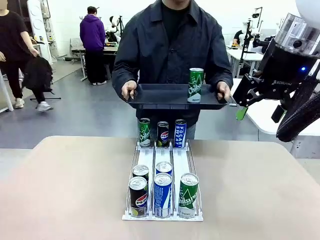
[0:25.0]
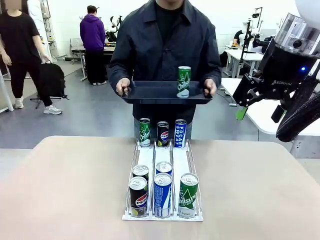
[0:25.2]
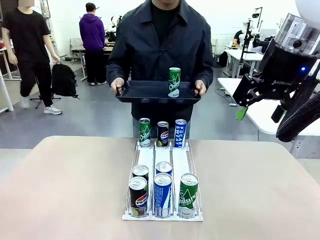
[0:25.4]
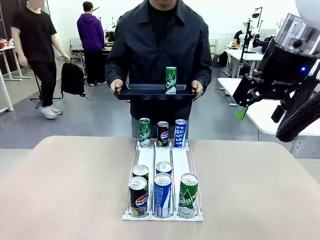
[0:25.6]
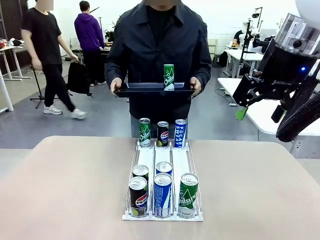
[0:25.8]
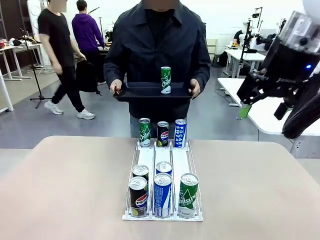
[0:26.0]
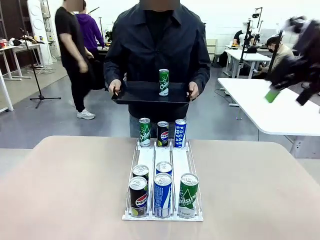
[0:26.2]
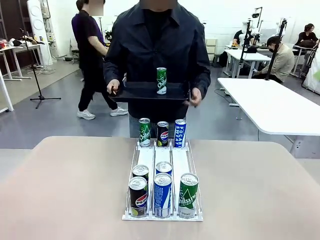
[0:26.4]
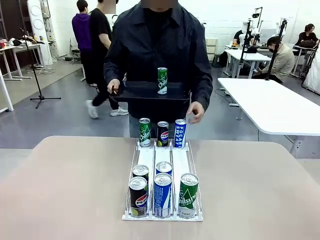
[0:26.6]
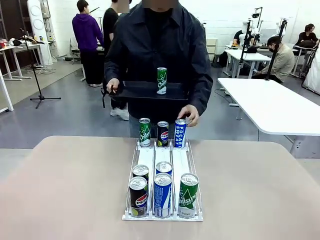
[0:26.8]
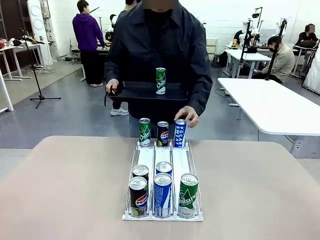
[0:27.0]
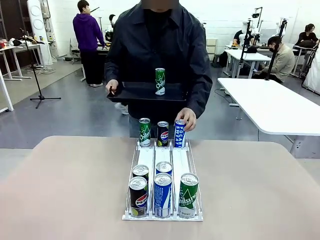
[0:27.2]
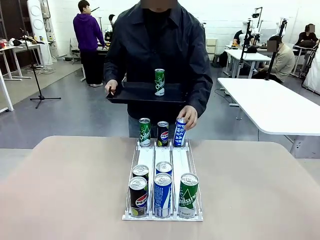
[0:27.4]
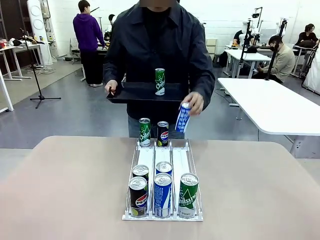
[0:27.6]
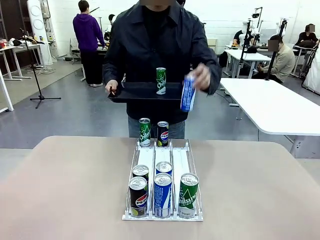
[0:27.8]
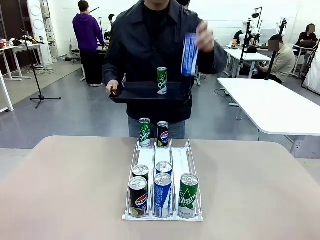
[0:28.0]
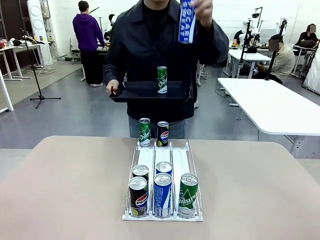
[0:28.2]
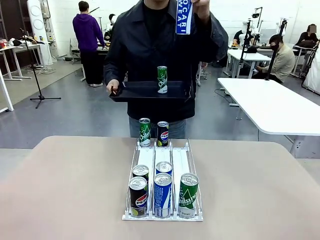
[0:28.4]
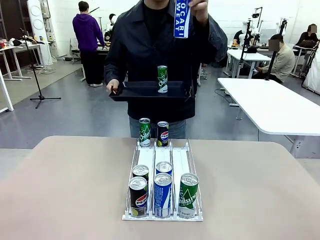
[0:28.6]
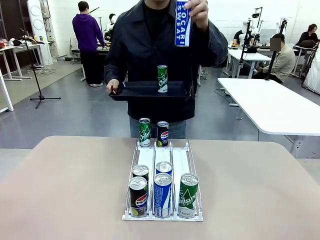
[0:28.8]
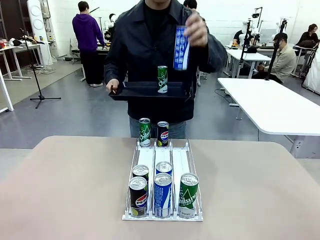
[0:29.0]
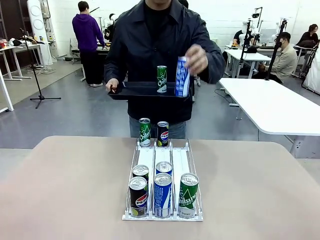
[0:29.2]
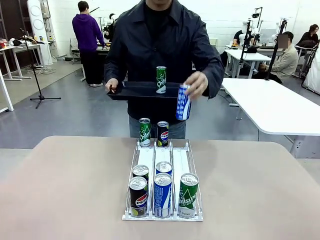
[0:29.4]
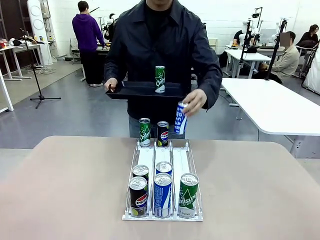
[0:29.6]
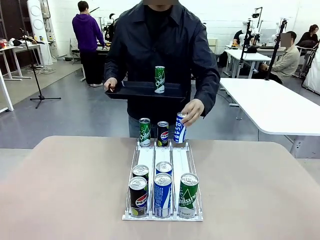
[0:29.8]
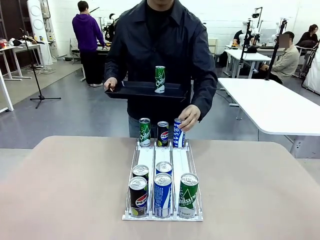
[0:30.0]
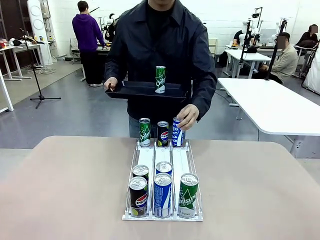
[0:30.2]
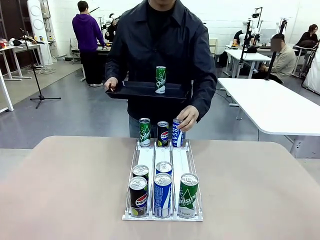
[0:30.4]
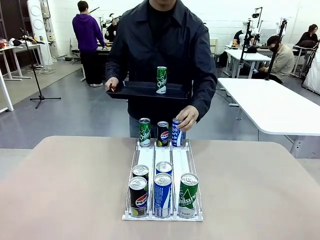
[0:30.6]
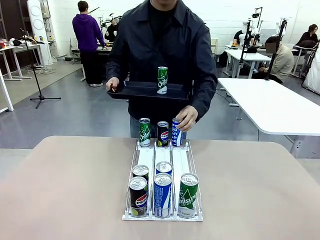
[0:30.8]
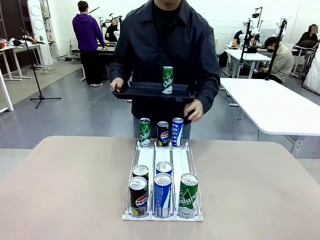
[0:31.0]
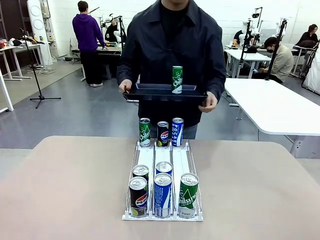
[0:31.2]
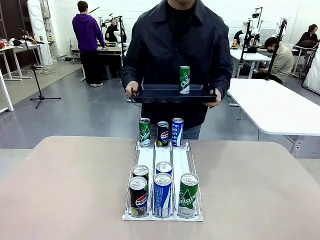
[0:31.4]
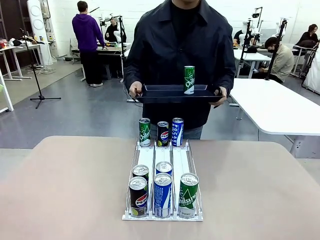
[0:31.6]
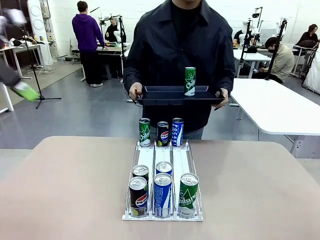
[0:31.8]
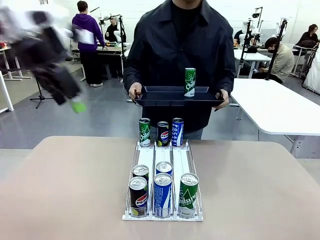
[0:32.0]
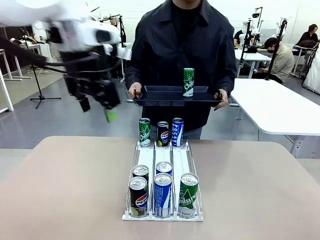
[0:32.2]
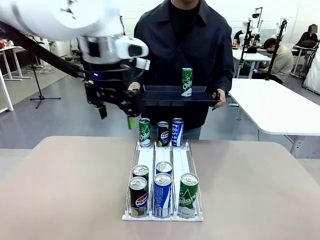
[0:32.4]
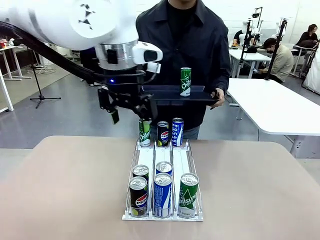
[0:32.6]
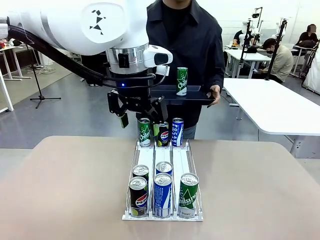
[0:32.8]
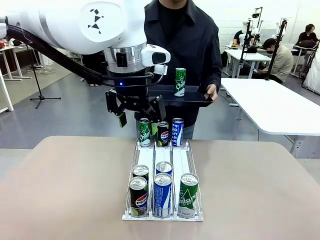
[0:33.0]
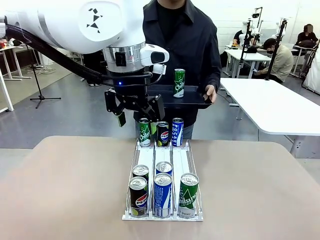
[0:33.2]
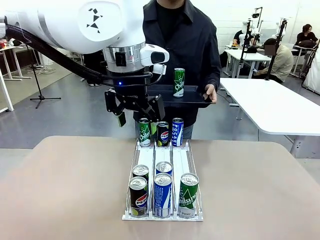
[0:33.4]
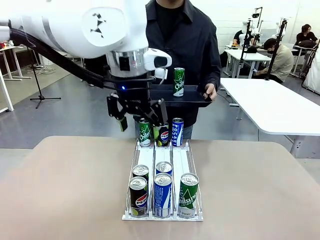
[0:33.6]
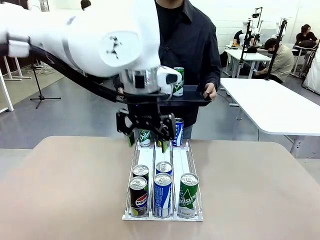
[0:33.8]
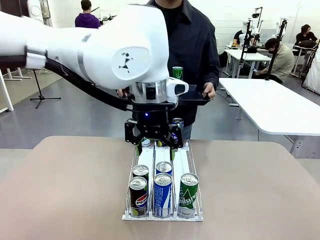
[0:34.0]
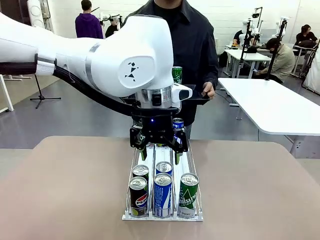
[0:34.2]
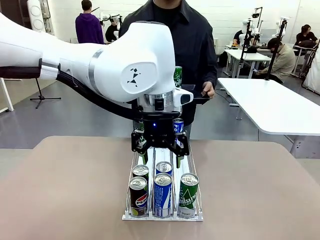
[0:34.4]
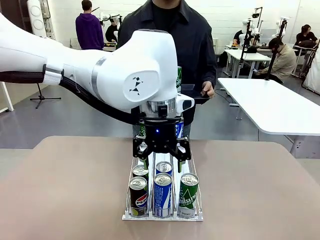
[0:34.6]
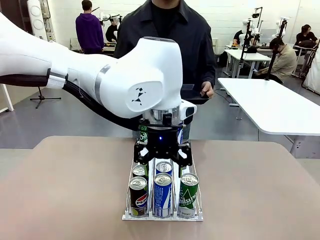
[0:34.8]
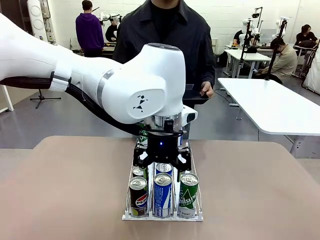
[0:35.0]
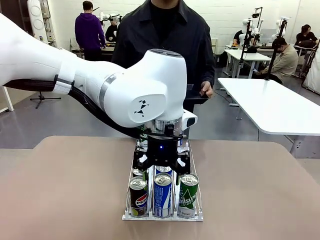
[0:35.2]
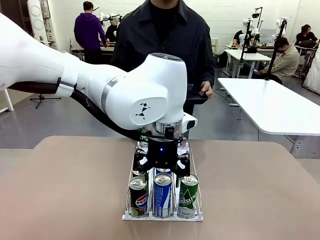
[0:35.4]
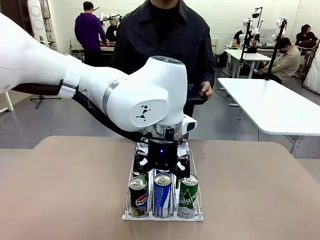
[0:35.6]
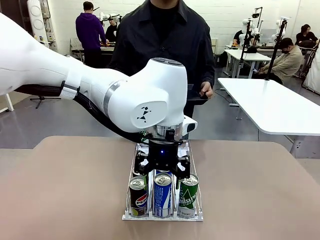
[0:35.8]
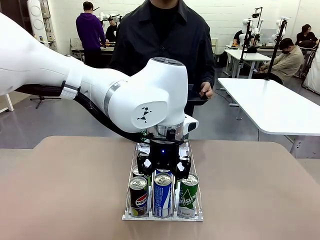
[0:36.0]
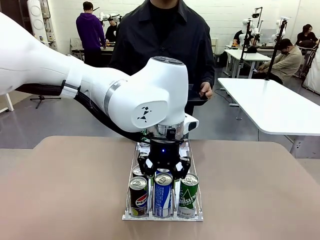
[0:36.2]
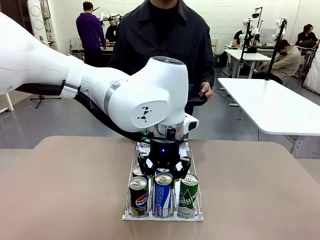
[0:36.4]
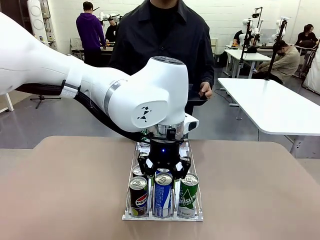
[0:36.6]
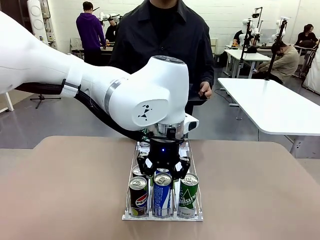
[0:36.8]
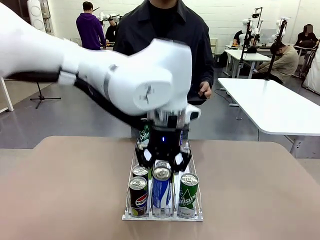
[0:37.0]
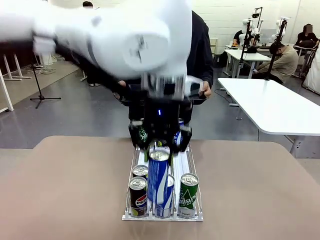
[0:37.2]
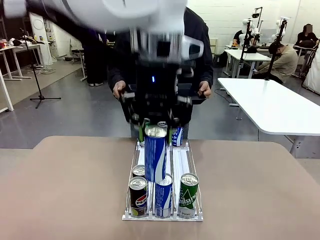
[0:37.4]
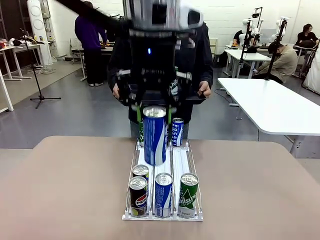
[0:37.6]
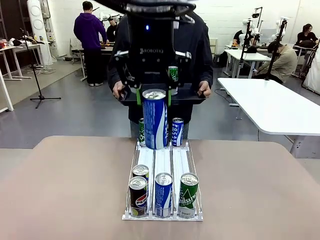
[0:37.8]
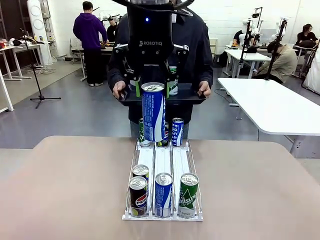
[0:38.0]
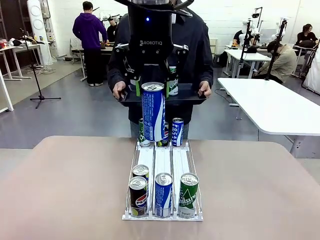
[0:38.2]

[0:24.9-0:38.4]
Task: Retrieve and hand over the desired beverage to the person.
Robot: Pick up another can of the same type that the person held from the Automatic Can Dispenser.
Person: Pull the tray back, then pick up another can from the bottom area of the table and puts it back in its original place. Push the tray toward the robot again.

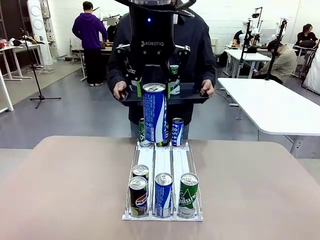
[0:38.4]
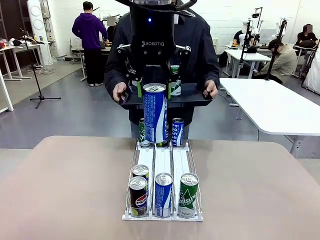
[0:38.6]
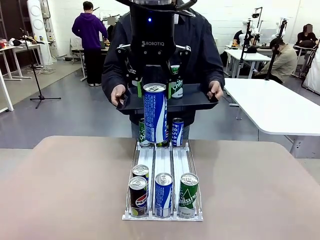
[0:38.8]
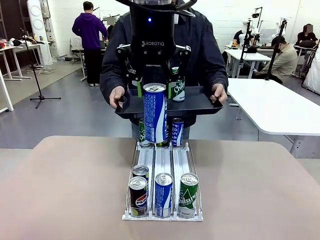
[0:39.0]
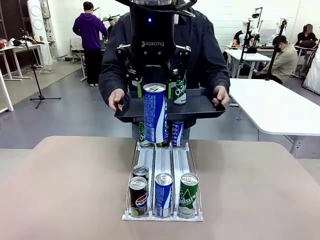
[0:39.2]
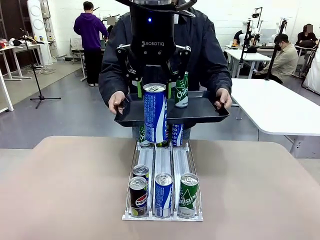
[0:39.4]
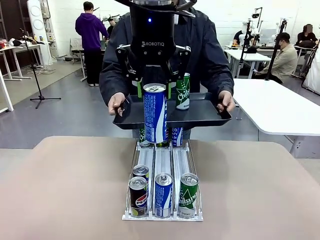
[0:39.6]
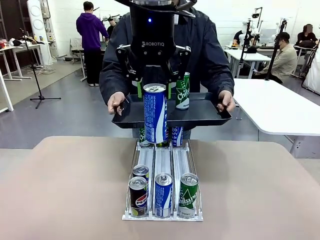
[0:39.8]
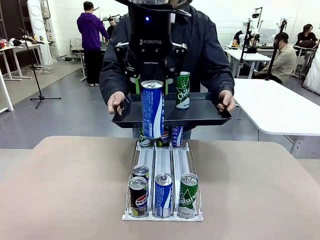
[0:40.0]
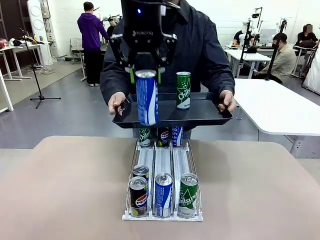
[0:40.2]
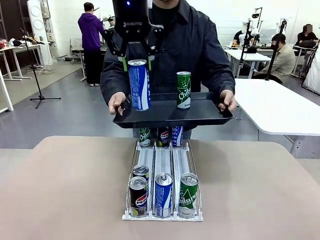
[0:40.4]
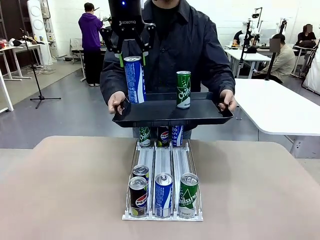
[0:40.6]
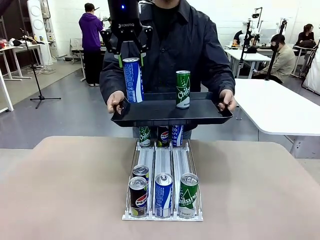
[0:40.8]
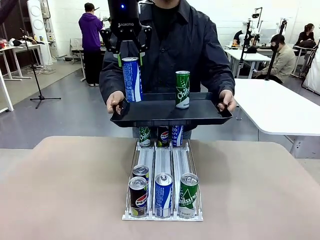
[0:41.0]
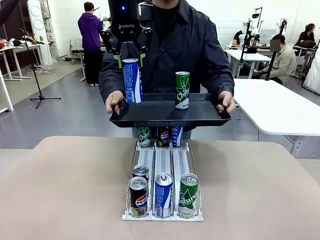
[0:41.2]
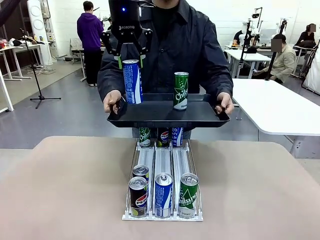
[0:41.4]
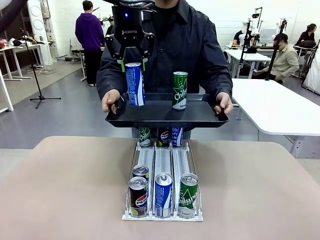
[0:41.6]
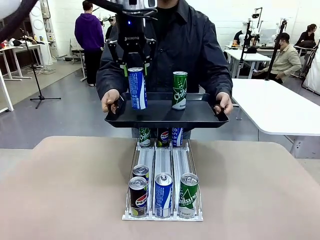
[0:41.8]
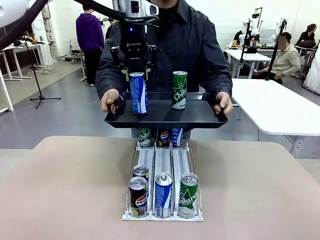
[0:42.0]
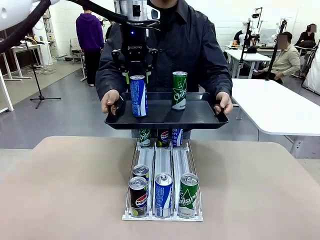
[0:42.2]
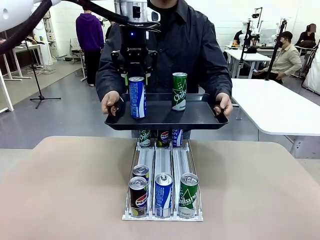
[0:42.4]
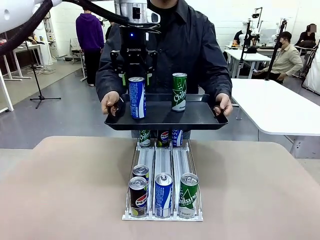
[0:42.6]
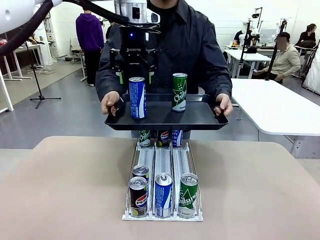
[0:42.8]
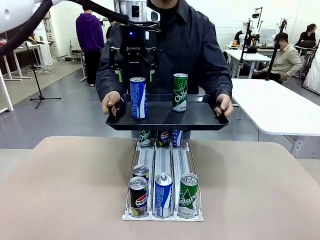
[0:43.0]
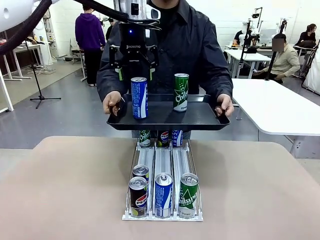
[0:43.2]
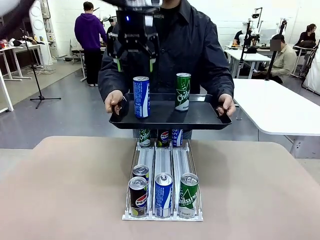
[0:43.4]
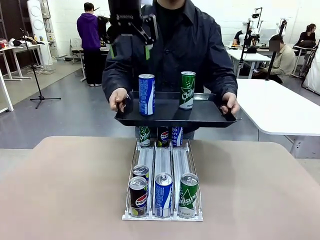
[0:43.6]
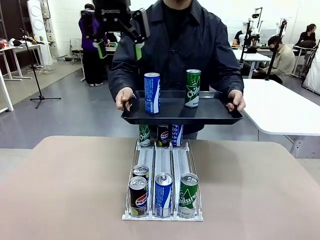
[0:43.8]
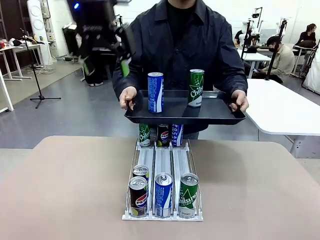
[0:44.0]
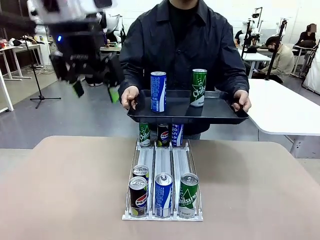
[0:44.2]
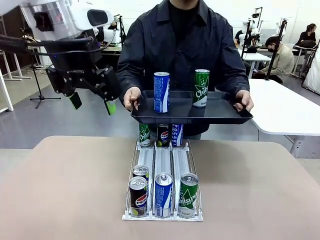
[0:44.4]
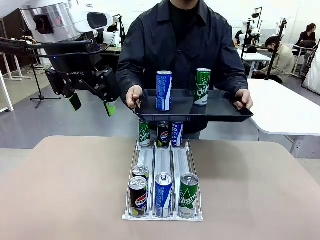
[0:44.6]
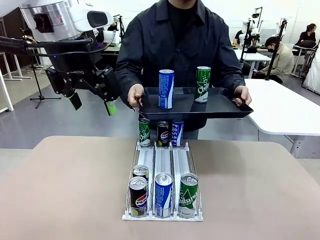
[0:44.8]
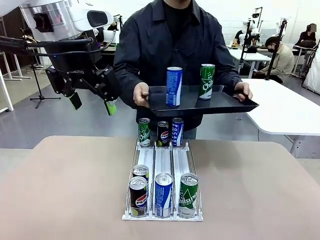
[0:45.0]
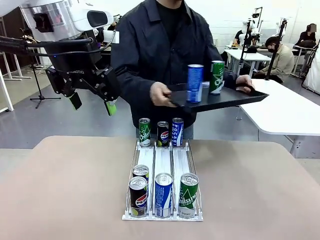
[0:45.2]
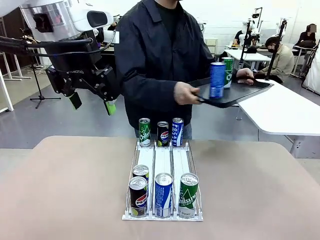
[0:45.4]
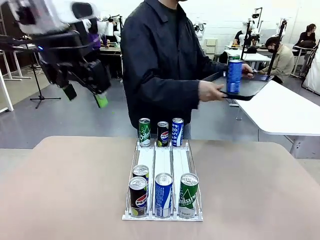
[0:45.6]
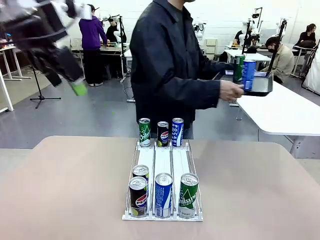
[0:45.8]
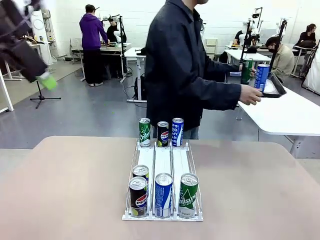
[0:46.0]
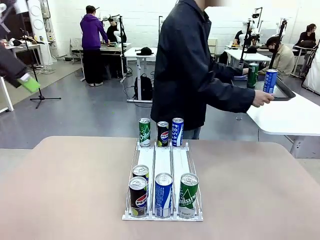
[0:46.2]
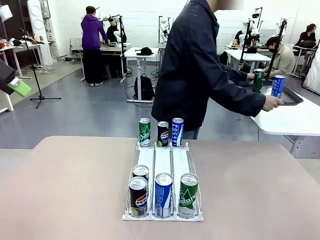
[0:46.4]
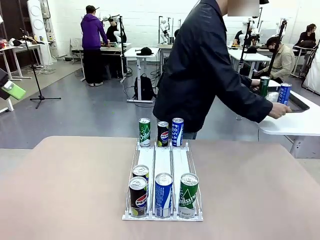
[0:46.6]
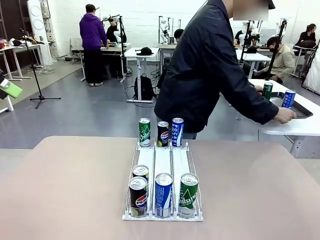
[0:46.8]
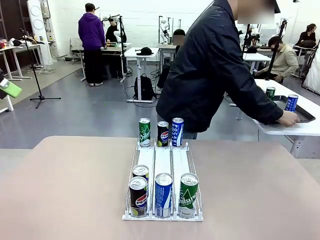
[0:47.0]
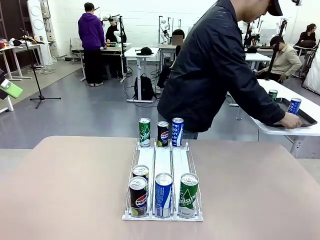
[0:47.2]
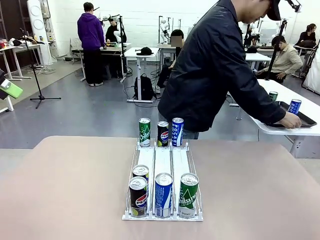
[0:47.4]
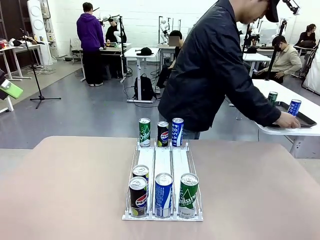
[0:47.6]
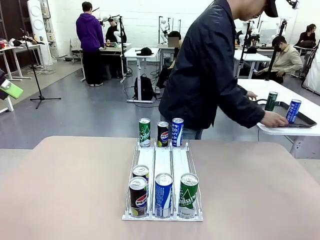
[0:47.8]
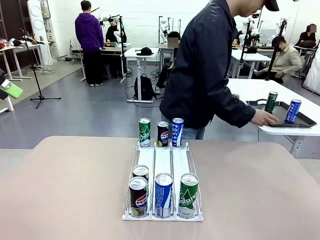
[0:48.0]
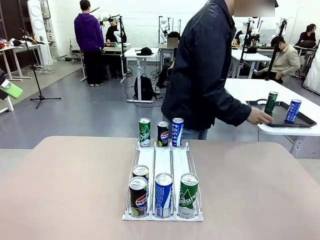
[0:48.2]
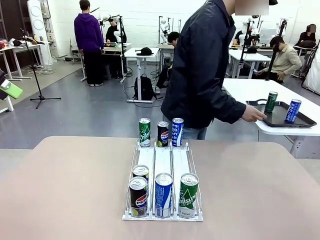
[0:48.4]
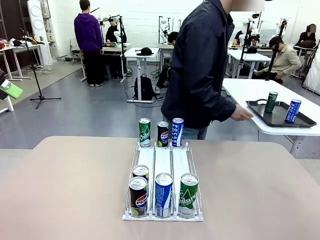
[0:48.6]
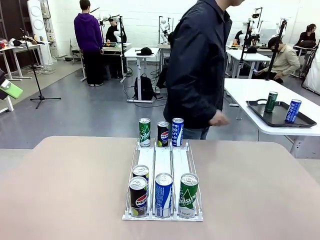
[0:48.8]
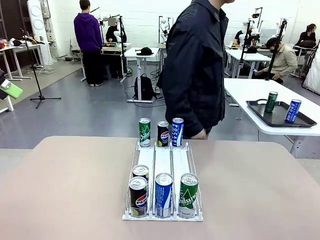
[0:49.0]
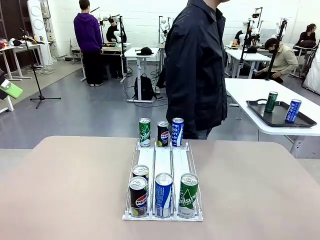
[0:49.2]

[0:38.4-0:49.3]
Robot: Place the picked can on the Handle tray extended by the person.
Person: Pull the tray back and place it at the center of the human table.
